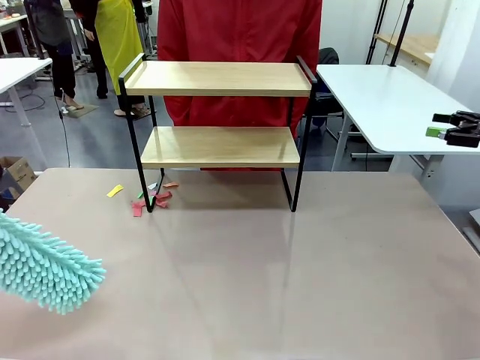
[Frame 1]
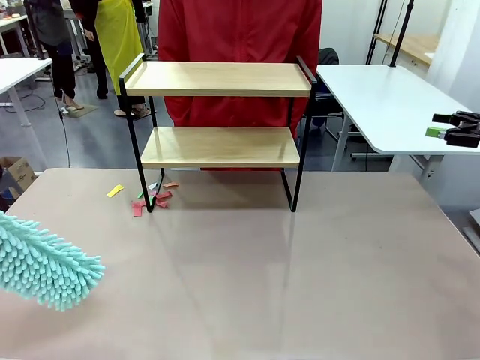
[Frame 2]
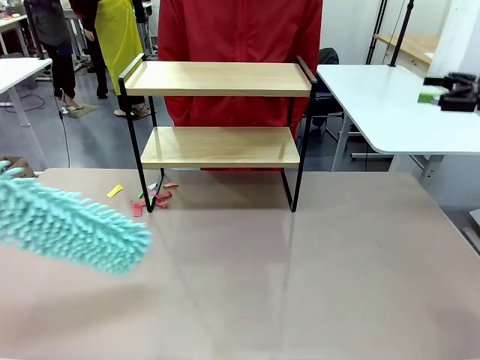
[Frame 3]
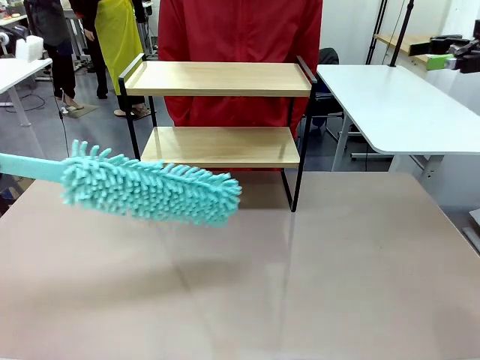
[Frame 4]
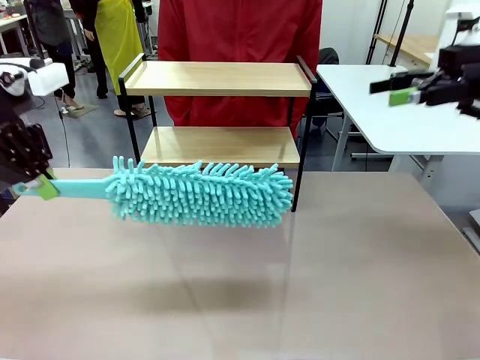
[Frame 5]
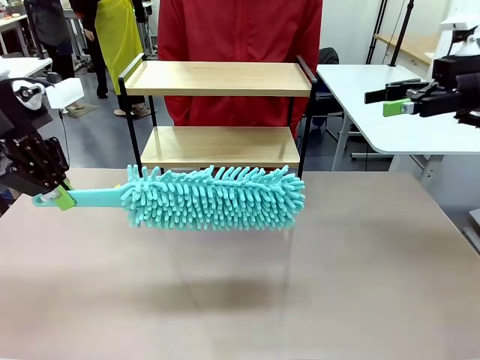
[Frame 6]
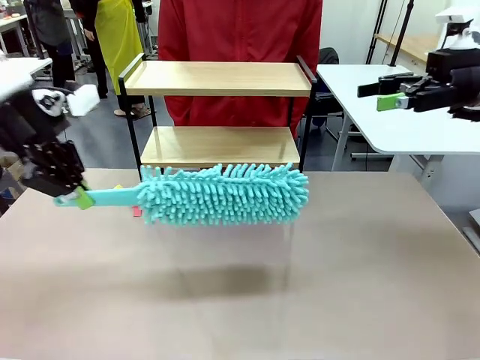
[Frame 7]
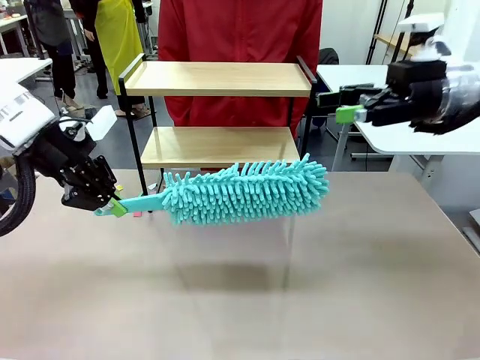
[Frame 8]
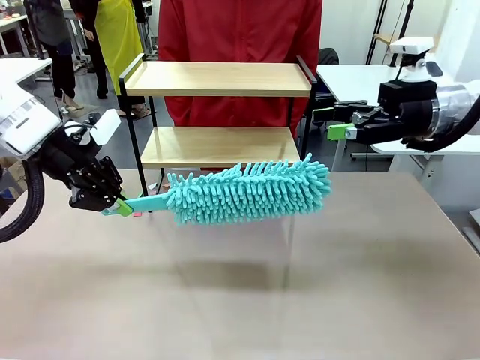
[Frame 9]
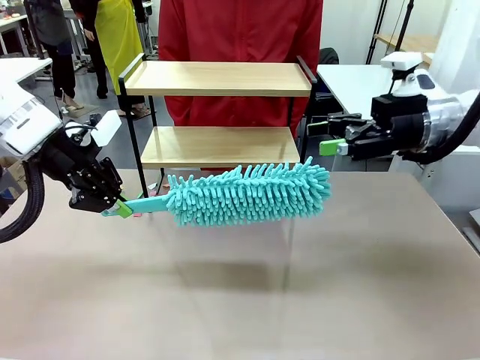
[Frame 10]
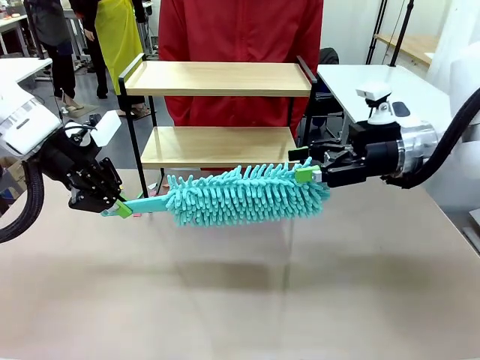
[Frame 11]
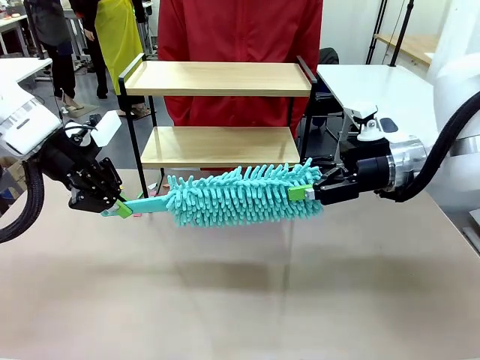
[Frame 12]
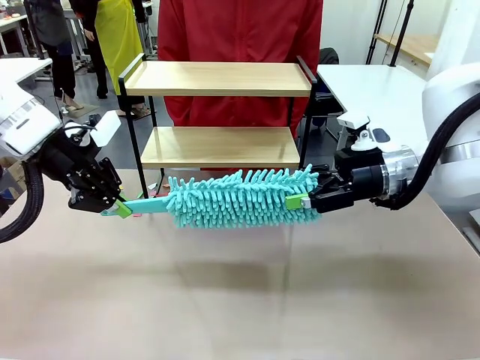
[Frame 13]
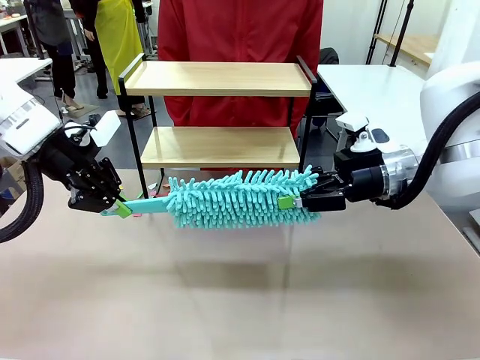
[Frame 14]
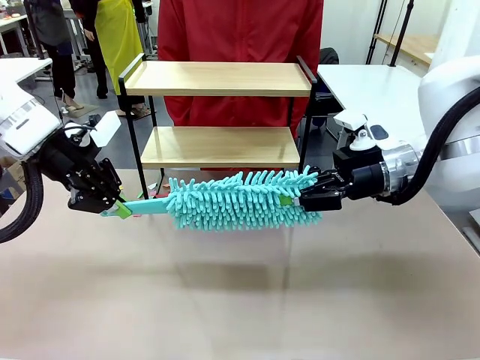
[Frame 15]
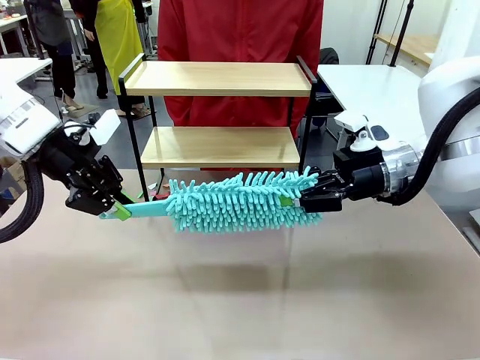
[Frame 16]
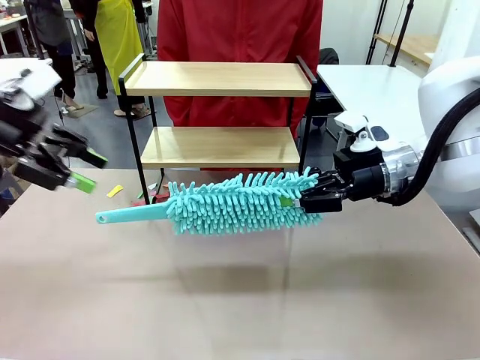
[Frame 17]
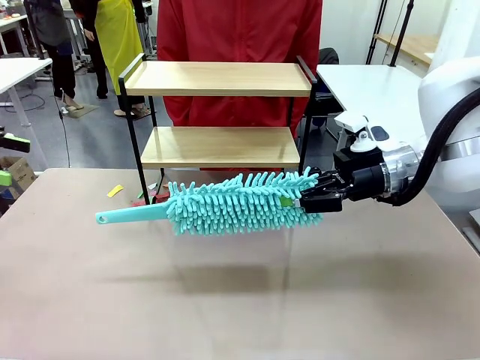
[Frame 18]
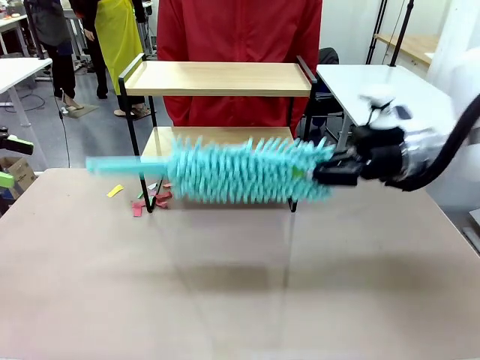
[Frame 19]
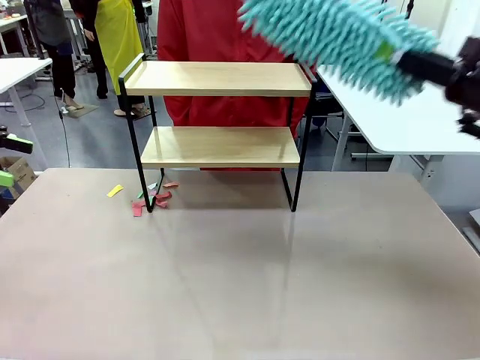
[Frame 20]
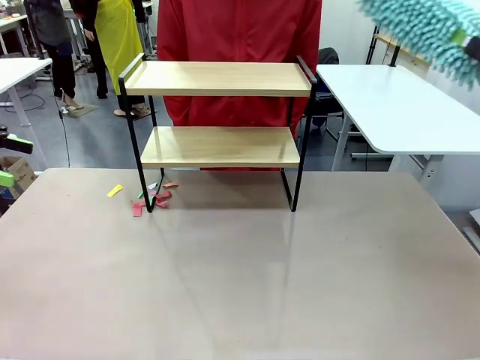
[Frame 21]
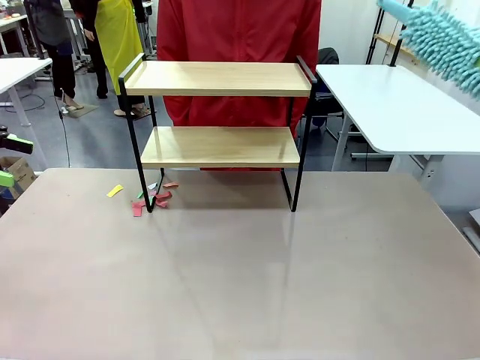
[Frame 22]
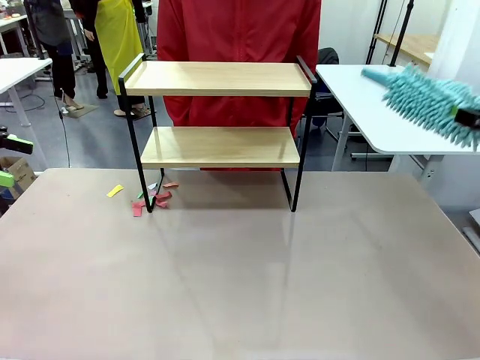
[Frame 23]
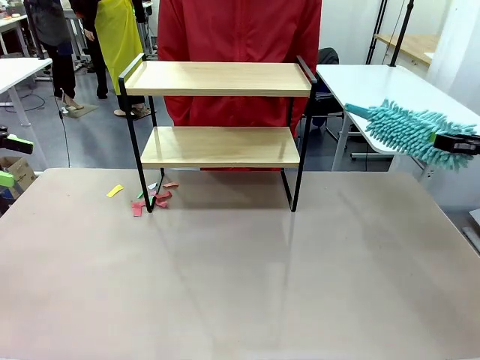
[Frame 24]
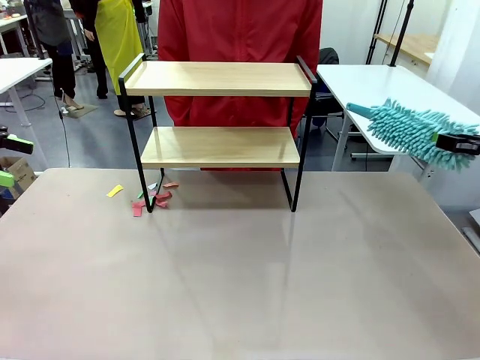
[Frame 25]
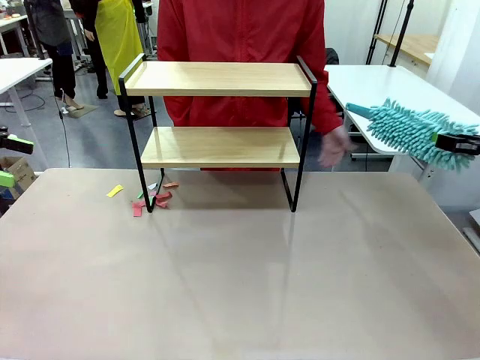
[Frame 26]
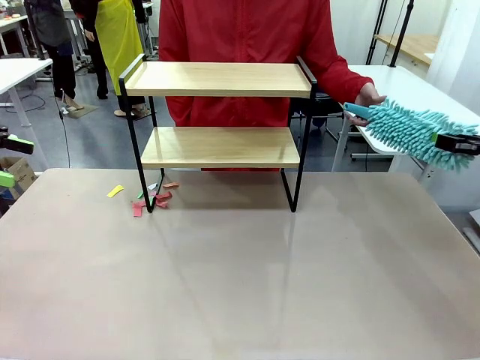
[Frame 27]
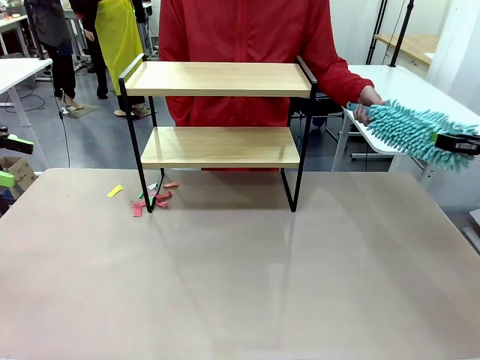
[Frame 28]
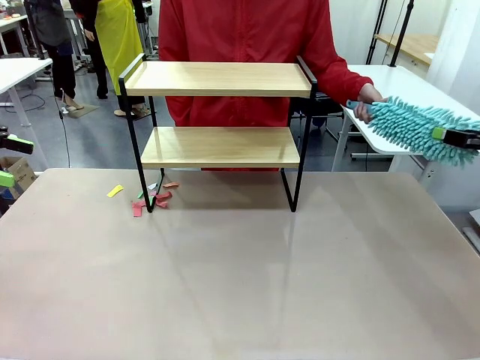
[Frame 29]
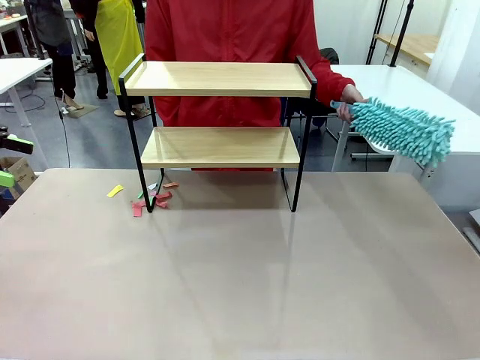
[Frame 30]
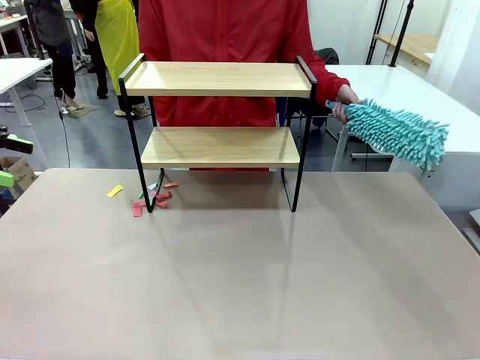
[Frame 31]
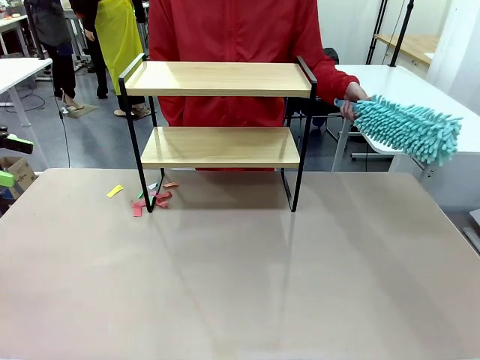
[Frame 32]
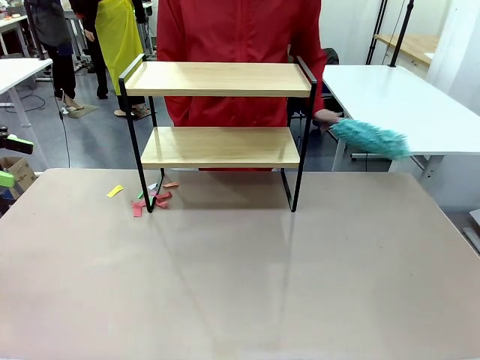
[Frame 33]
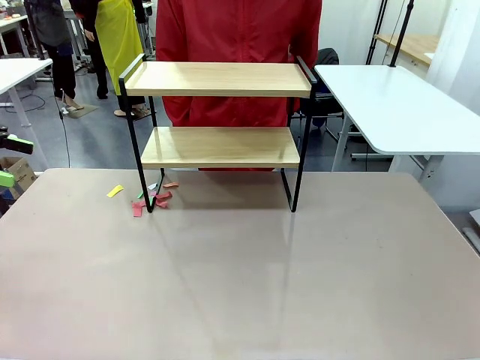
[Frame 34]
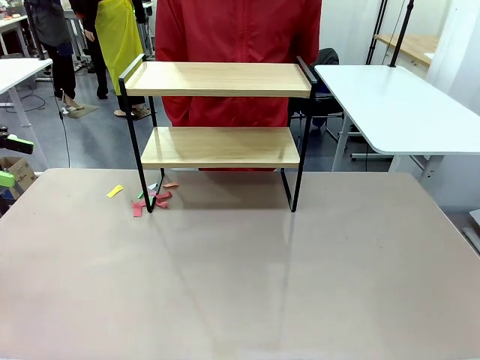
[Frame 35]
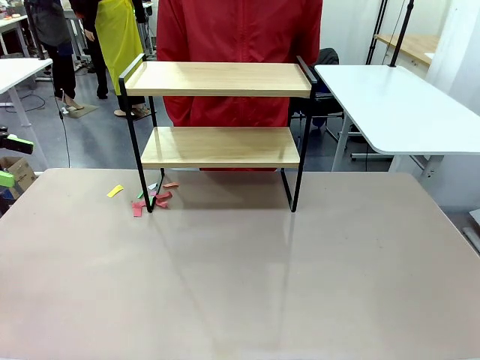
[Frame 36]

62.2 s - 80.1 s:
Task: Clean the shelf.
Robot: Hand the Duster back to the human.
Person: Receive the Duster from the robot.

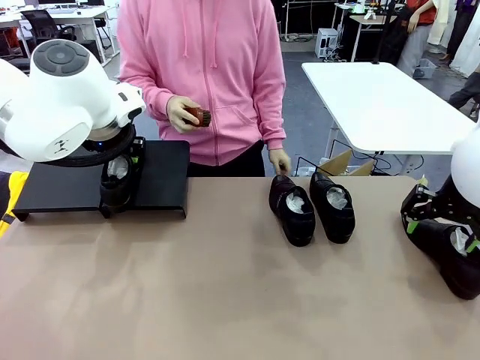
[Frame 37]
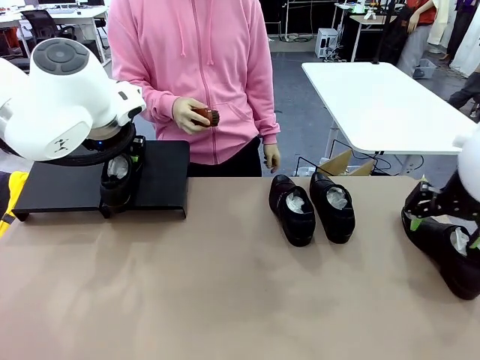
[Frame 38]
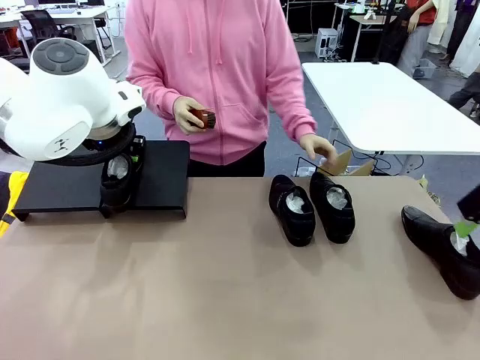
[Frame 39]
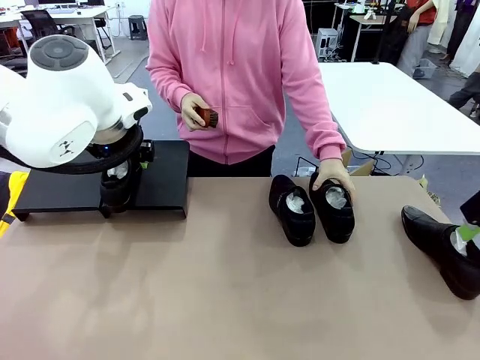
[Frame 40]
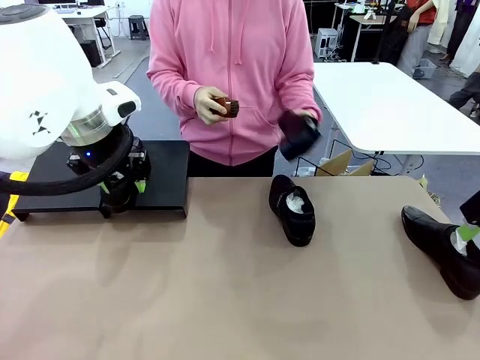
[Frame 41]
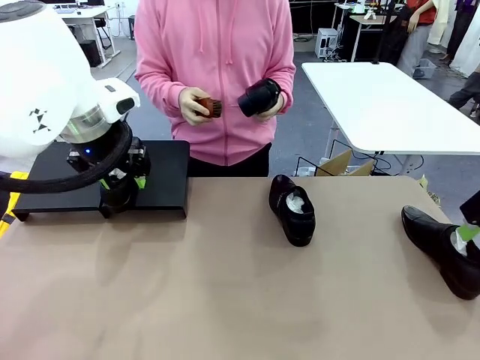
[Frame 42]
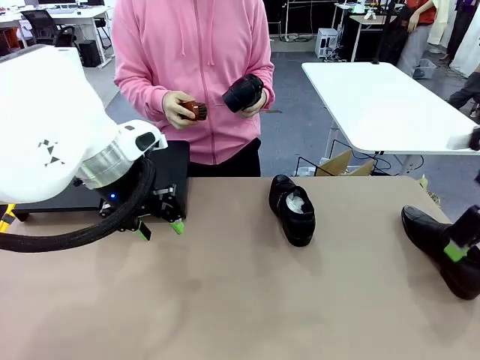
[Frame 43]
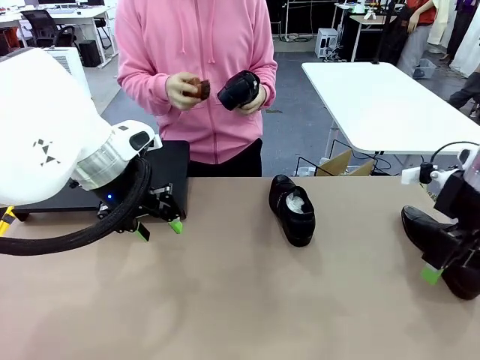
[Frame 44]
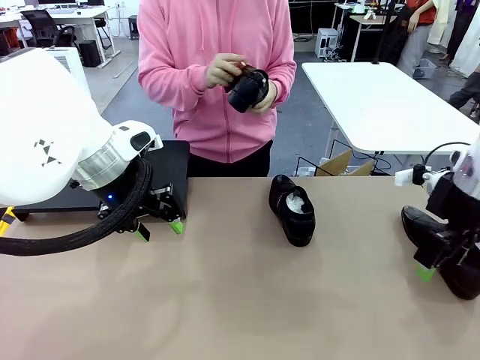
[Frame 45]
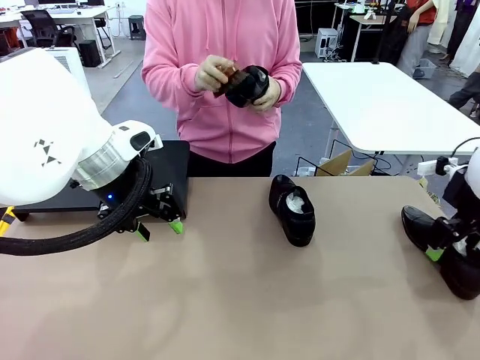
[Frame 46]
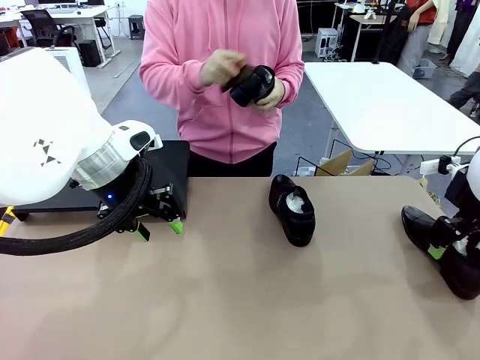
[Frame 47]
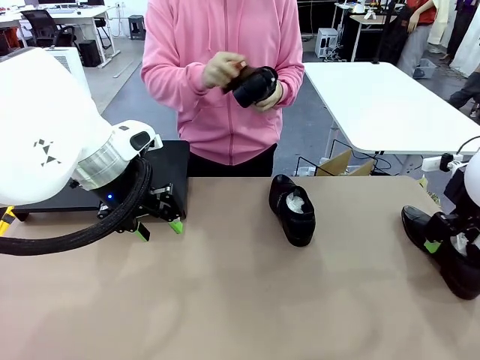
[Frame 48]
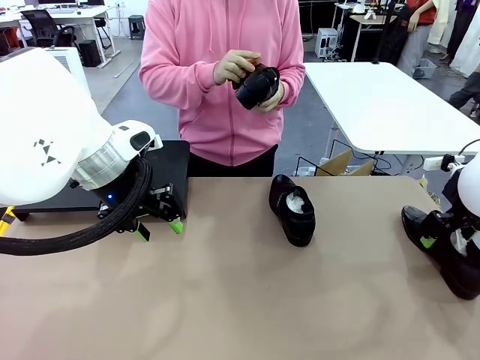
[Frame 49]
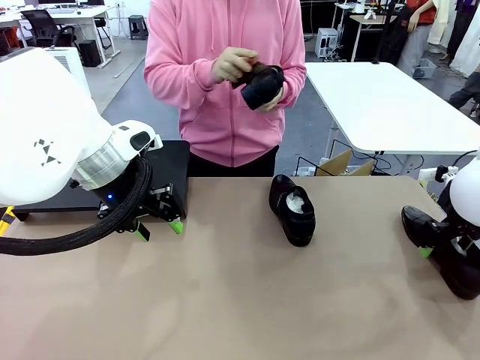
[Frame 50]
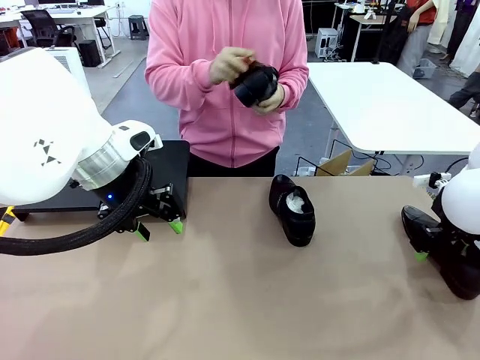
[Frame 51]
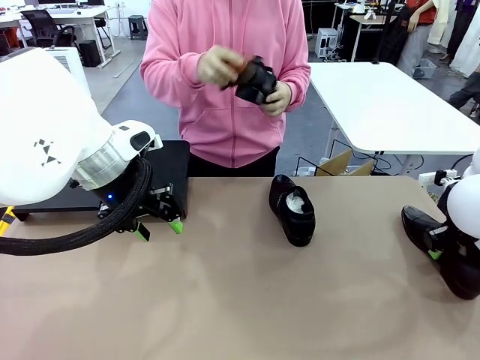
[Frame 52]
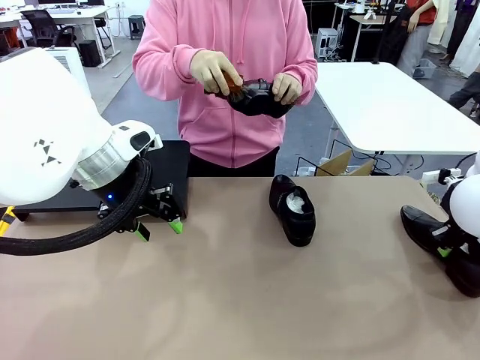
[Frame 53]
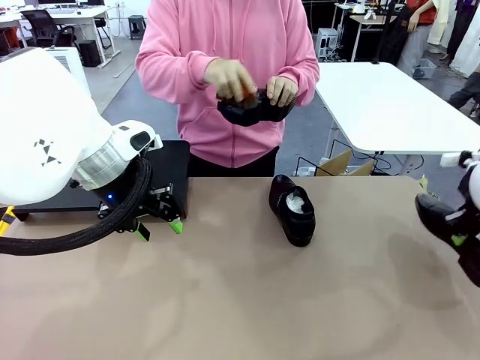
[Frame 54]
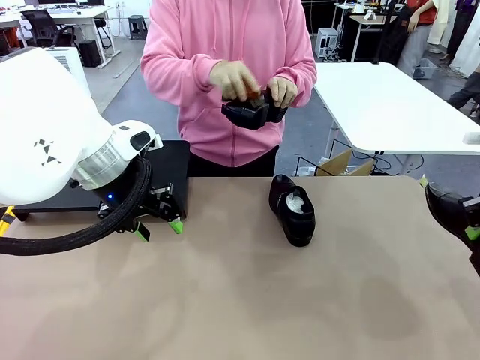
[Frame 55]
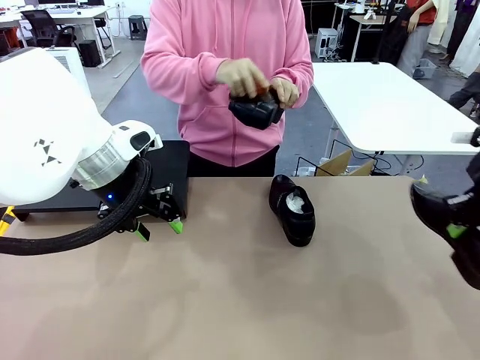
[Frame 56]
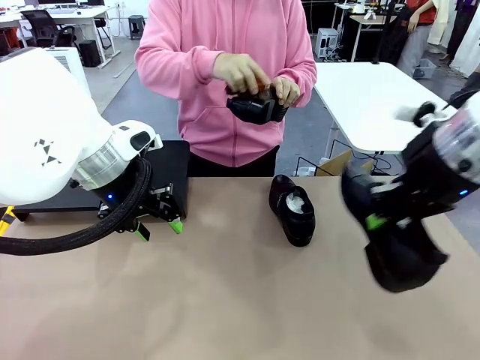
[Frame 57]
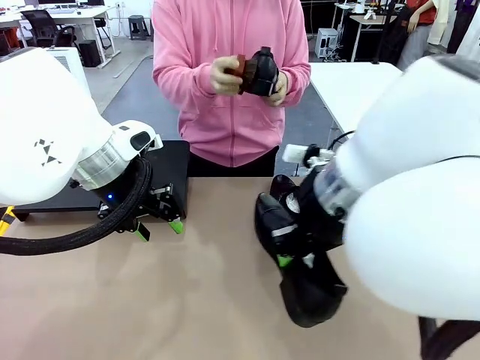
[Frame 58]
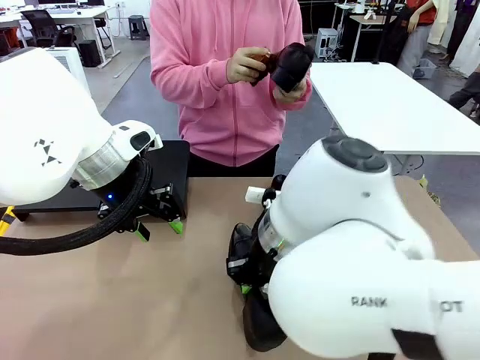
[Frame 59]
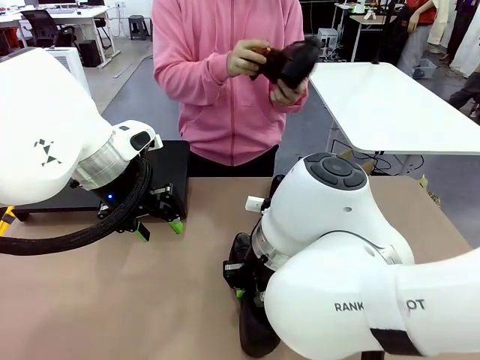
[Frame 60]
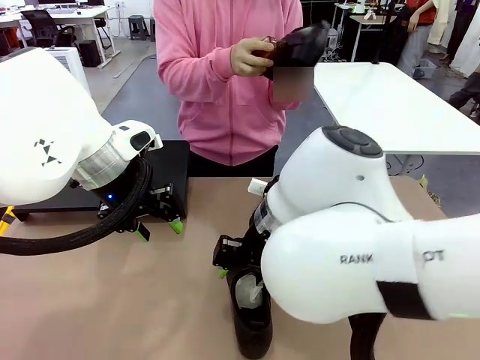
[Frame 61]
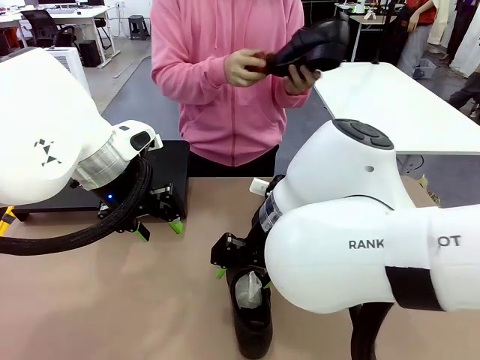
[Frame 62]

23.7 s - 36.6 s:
Task: Organize the shoes by placing them on the stand.
Robot: Pick up one Shoe and place it in the middle of the table.
Person: Pick one Shoe on Robot's table. Clean the Shoe with the Shoe Brush.
